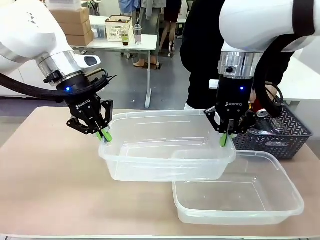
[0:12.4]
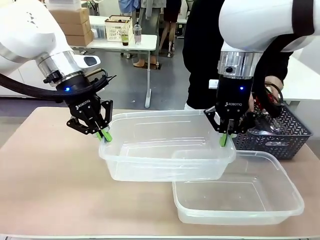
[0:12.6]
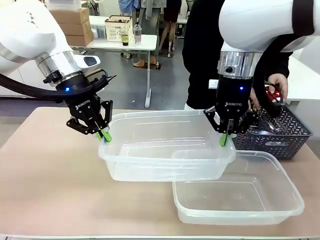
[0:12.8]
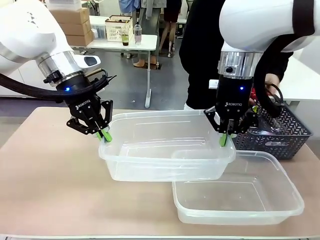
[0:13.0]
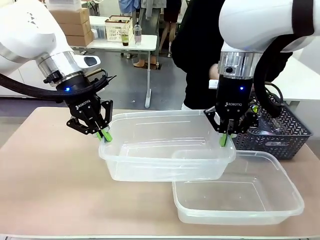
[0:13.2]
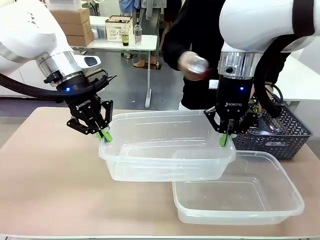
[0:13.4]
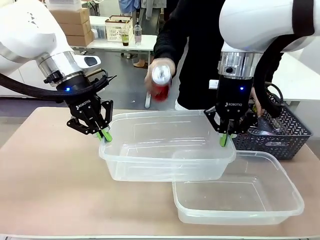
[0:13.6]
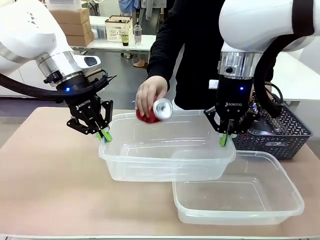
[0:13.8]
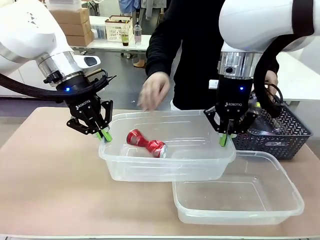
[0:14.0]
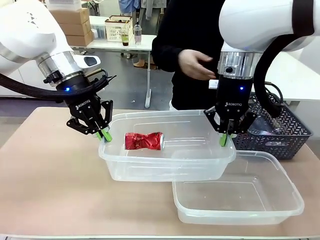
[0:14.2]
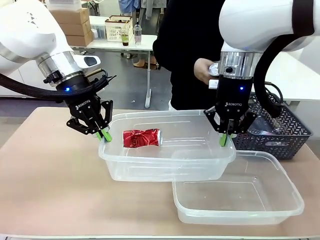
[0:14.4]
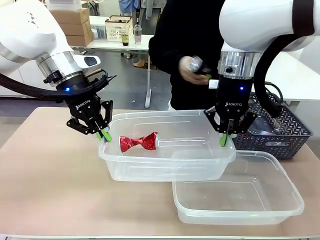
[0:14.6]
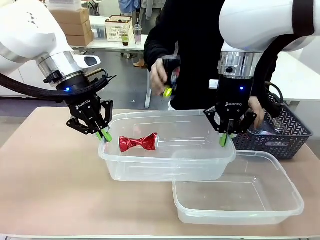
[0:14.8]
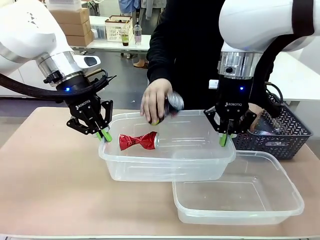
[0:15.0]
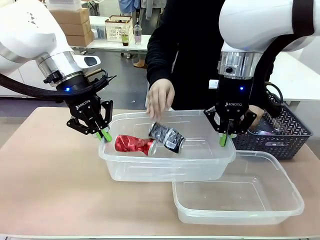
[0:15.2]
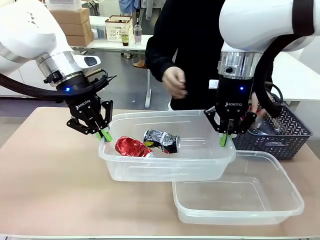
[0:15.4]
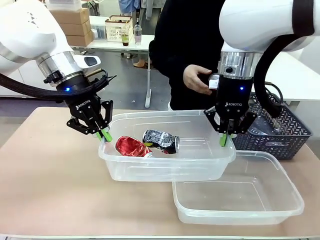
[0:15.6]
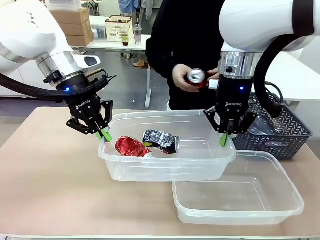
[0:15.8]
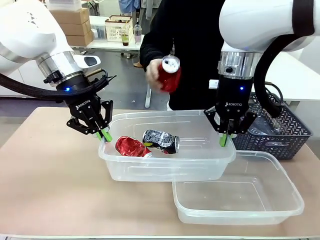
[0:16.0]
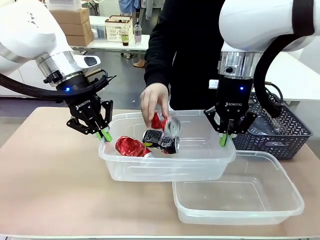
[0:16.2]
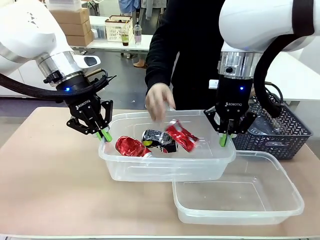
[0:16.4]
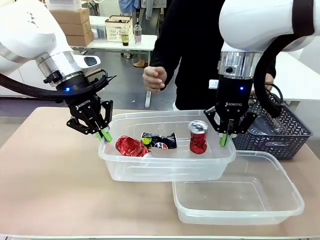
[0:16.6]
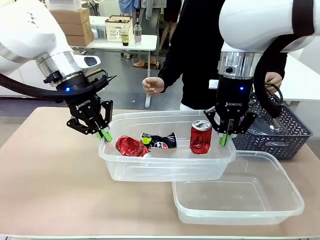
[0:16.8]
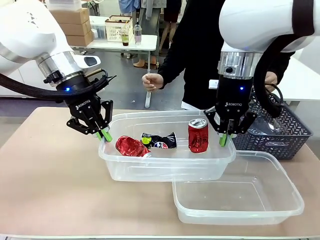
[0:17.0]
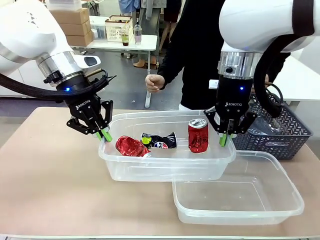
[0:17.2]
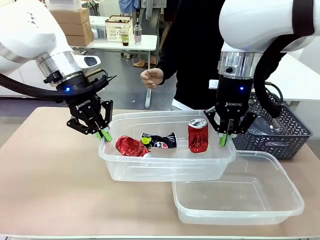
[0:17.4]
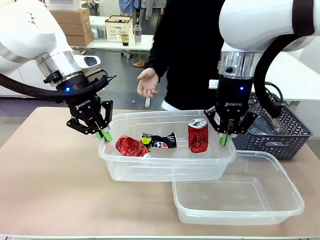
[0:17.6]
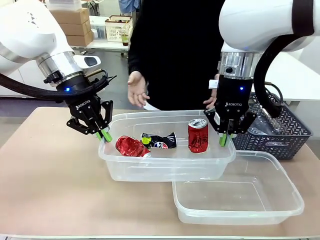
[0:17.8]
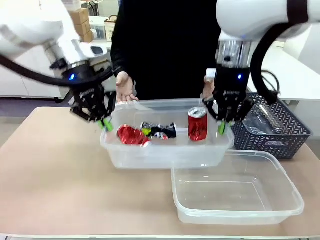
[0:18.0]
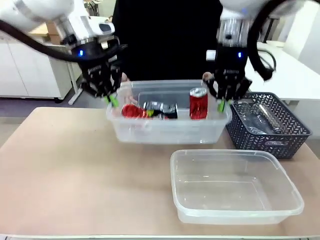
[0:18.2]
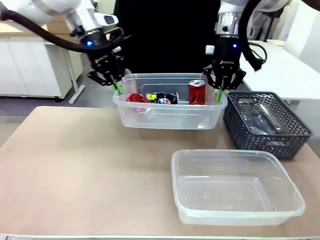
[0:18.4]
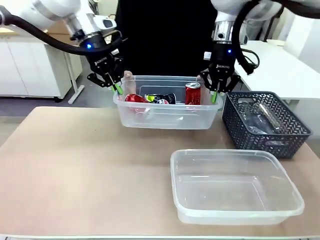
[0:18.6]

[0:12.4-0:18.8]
Robot: Offer the picked Organizing box to the human.

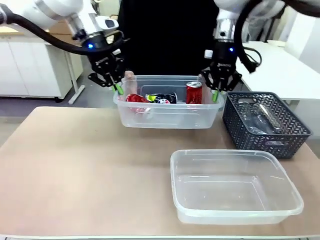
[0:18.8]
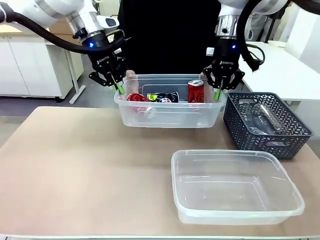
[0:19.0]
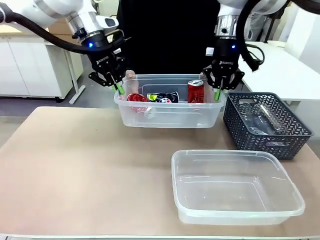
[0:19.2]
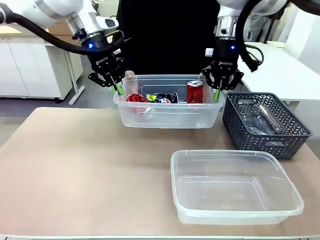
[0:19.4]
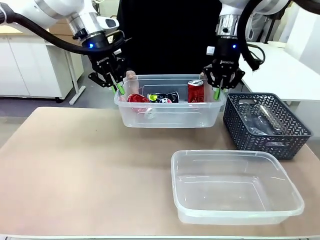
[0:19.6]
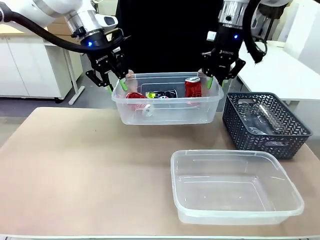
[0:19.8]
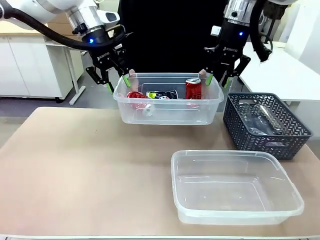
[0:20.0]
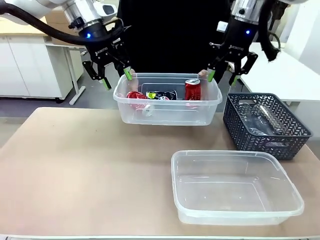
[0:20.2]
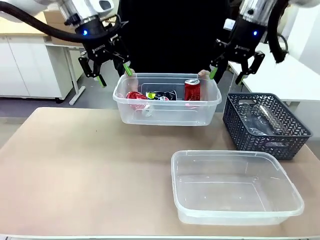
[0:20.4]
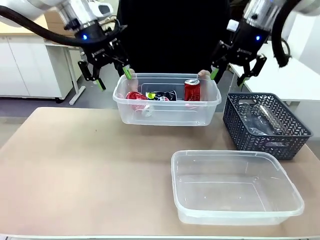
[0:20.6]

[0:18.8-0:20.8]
Robot: Release the Organizing box you were holding.

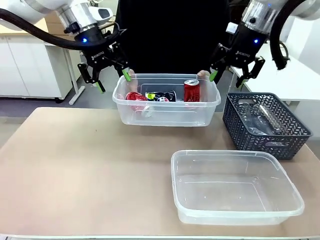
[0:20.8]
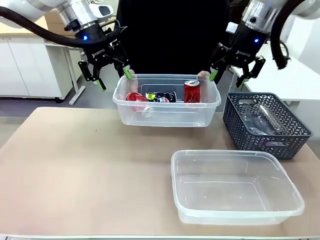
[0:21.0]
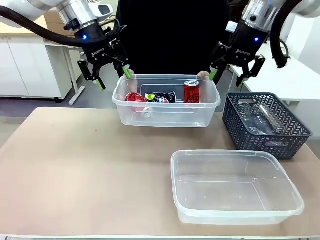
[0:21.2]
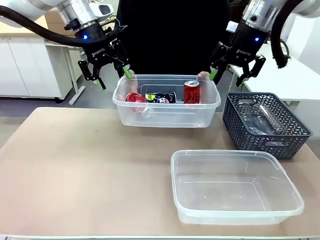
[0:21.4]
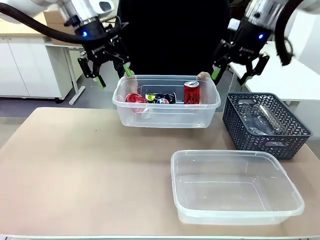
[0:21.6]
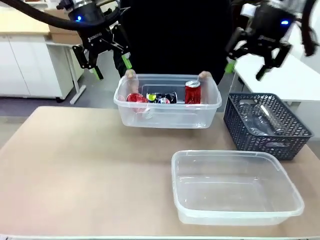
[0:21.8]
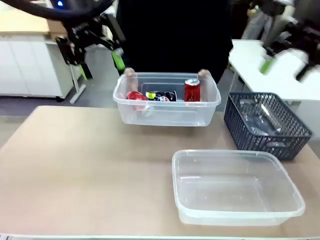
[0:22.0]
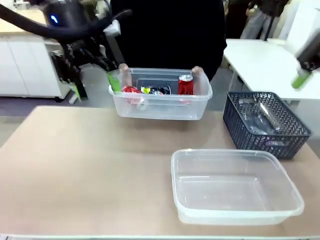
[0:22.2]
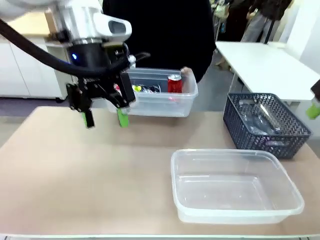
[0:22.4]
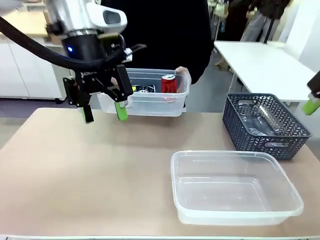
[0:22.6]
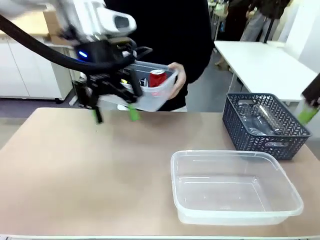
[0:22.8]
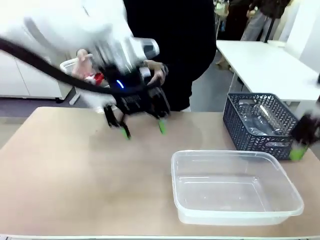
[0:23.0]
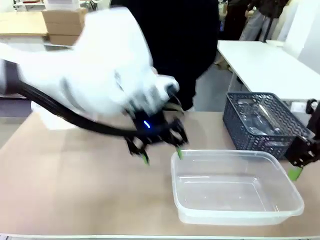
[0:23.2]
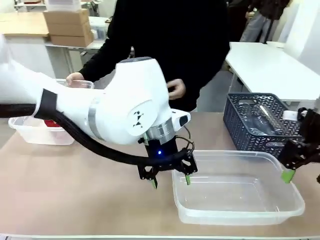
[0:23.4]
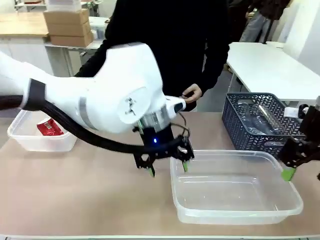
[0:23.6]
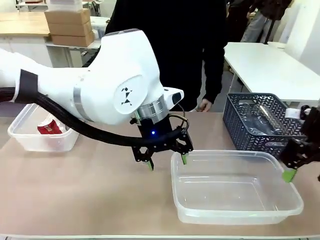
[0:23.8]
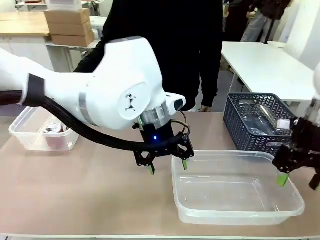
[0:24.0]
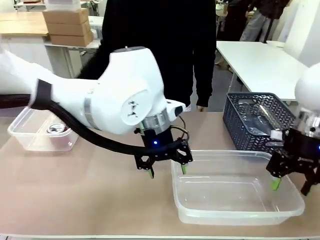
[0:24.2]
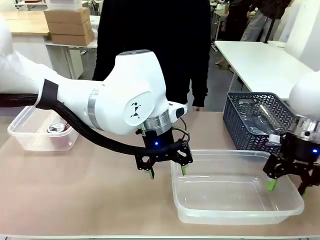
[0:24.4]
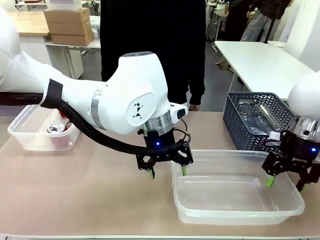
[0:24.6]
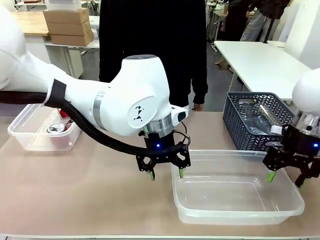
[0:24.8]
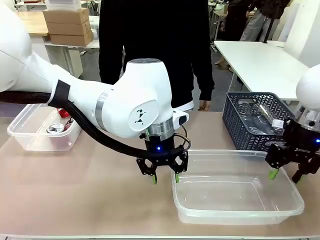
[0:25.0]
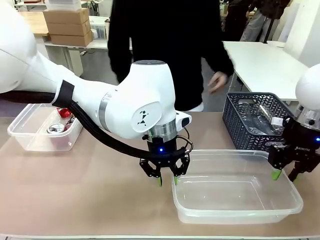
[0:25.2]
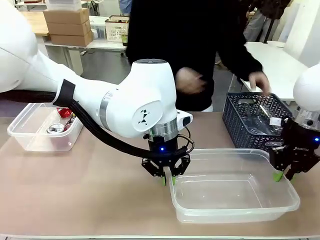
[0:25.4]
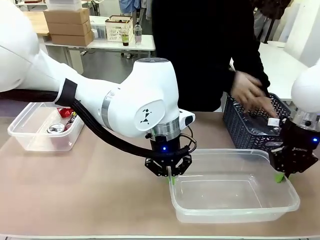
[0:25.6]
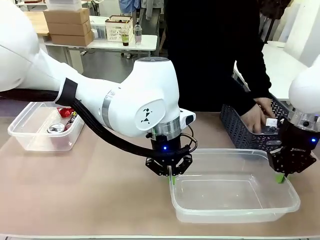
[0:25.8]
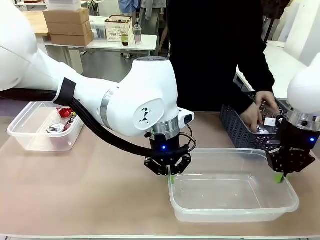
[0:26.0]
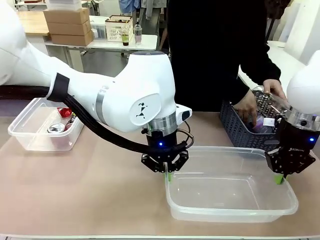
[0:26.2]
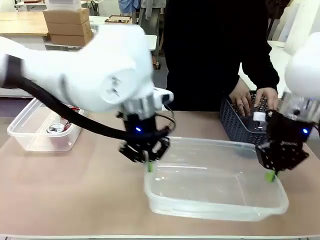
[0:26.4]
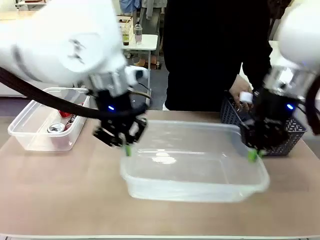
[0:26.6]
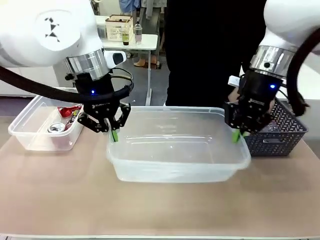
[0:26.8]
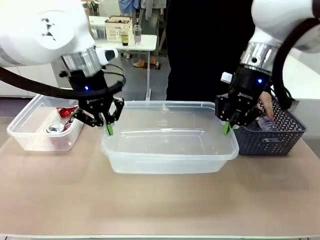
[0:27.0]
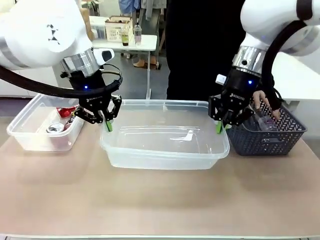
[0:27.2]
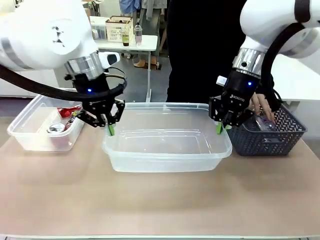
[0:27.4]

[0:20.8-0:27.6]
Robot: Pick up the Organizing box on the right side of the table and lift it.
Person: Place it at the edge of the bottom right area of the robot table.

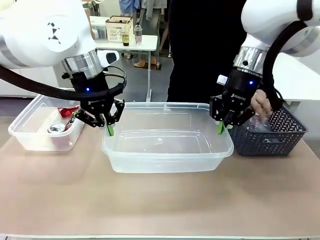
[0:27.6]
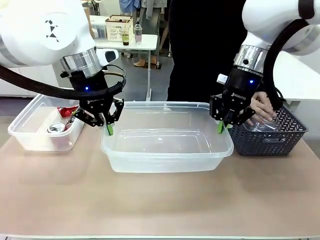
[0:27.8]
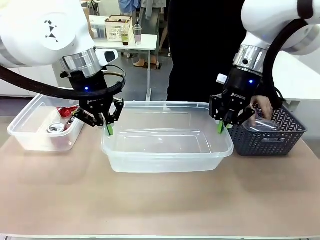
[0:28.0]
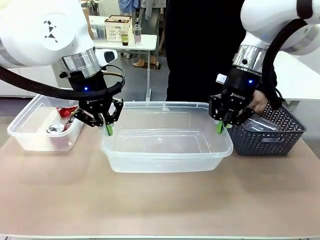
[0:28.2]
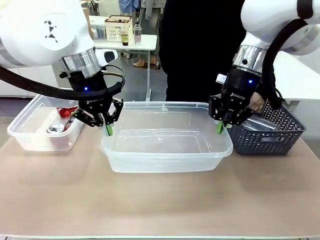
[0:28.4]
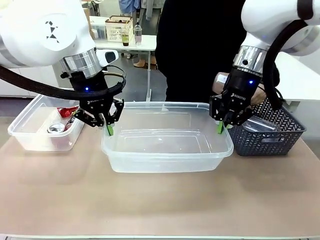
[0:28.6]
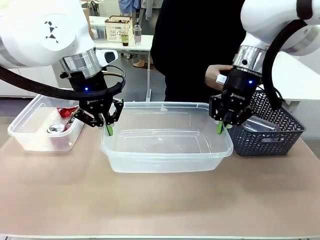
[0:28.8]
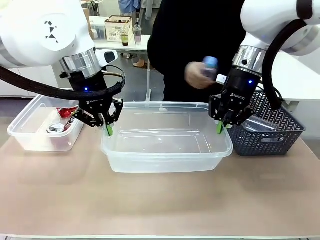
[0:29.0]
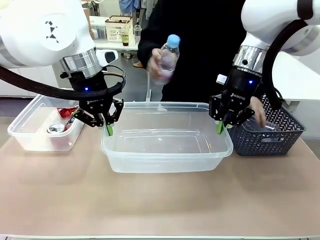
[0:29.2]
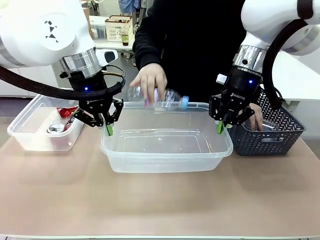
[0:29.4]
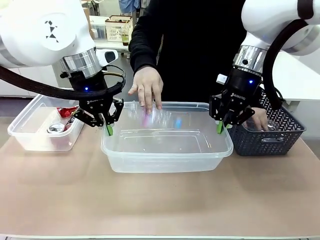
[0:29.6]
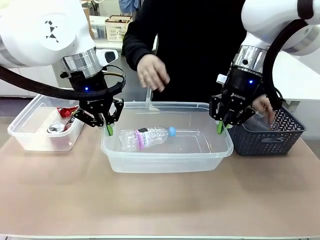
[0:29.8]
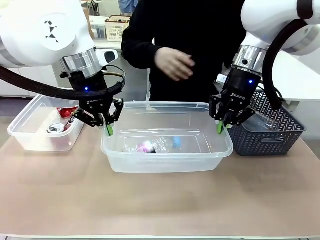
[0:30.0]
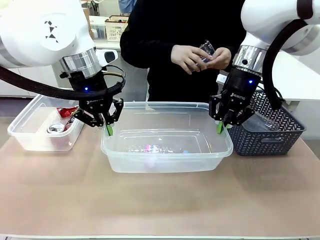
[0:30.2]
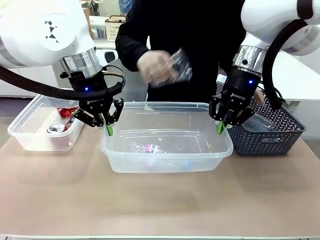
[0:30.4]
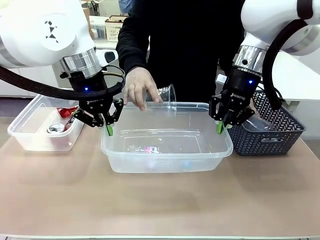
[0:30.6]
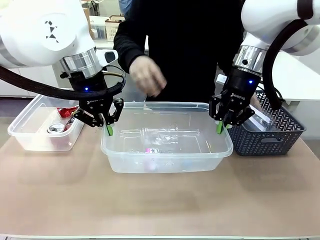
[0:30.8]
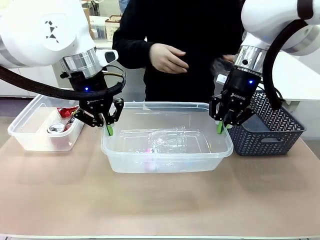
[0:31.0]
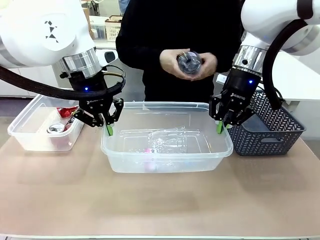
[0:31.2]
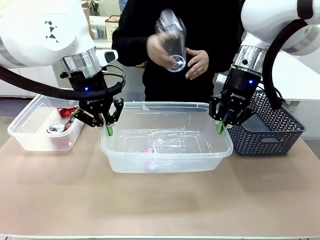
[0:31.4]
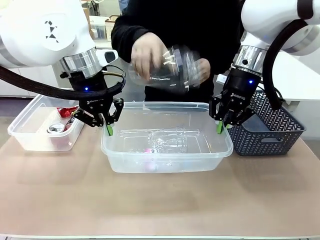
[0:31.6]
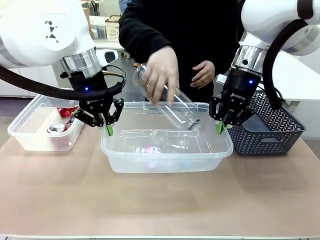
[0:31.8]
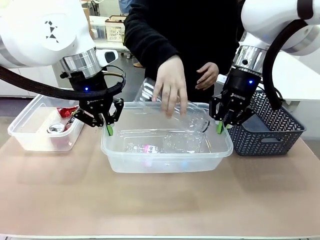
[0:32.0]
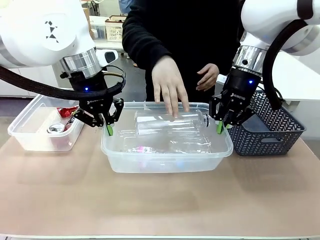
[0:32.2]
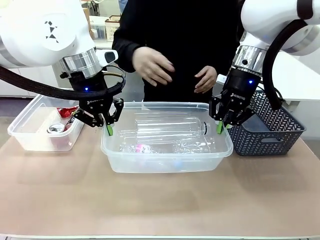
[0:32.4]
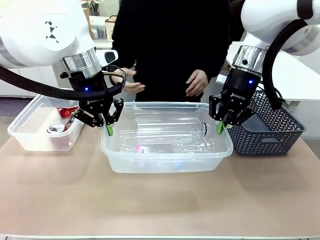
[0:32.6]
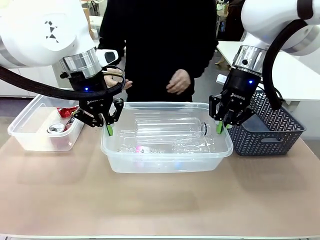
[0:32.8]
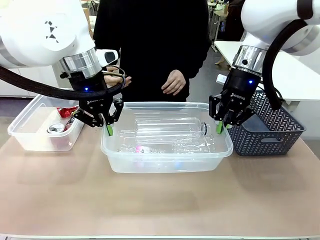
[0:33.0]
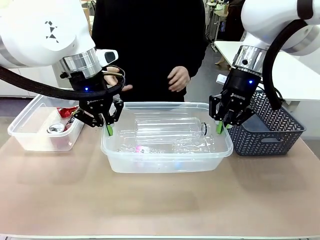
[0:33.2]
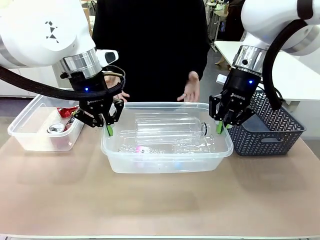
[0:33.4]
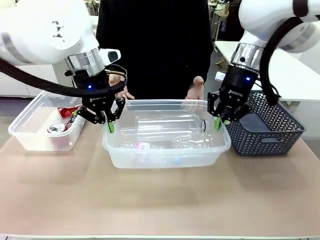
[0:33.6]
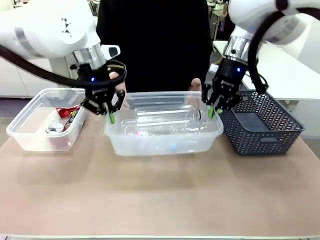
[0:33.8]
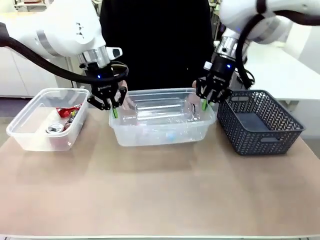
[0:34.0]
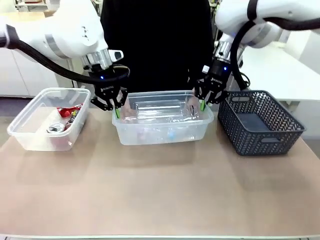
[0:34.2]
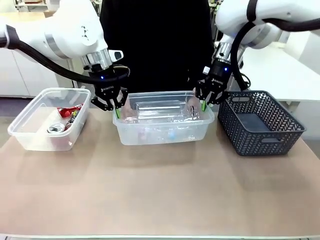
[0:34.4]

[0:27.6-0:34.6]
Robot: Offer the picked Organizing box to the human.
Person: Pick up plastic waste one by one and place it into the organizing box lifted by the robot.
